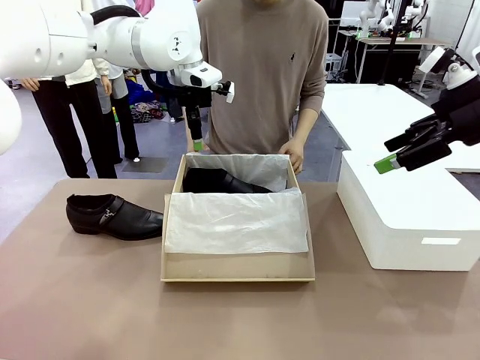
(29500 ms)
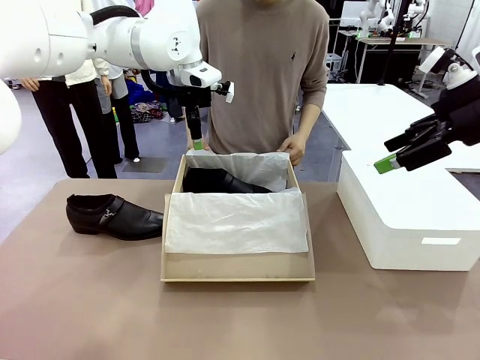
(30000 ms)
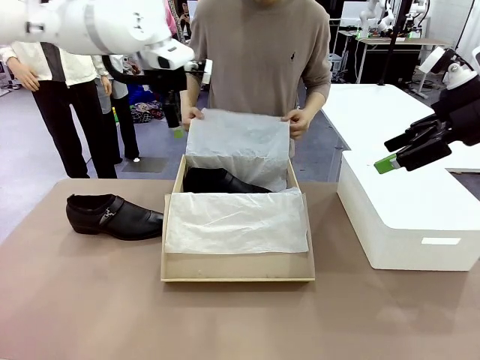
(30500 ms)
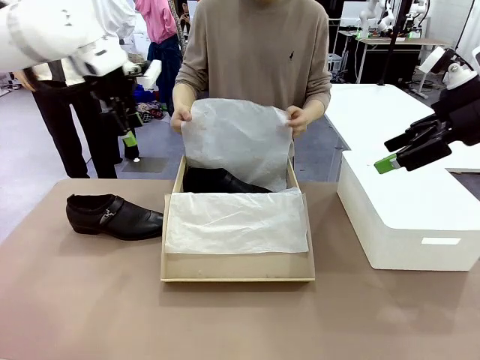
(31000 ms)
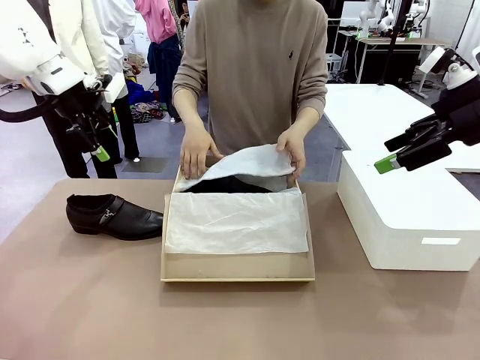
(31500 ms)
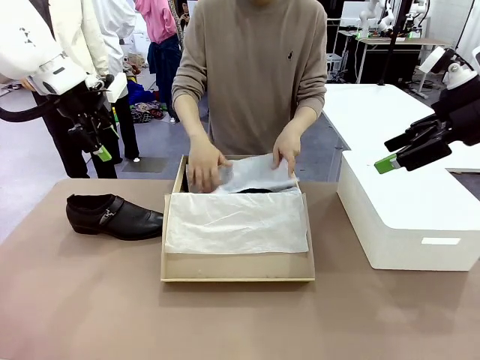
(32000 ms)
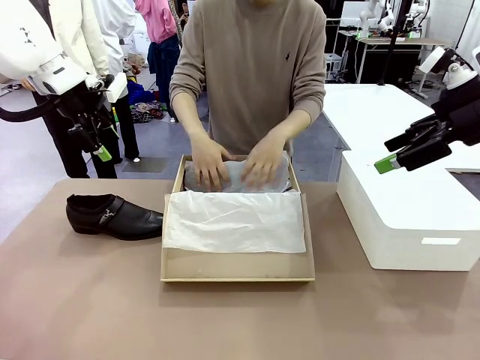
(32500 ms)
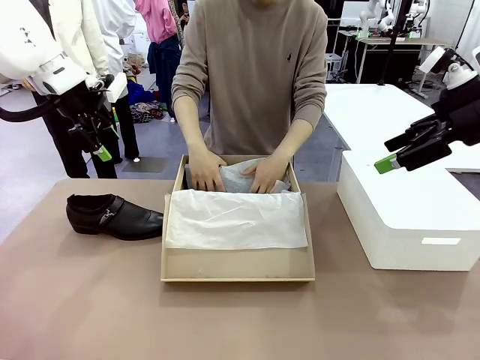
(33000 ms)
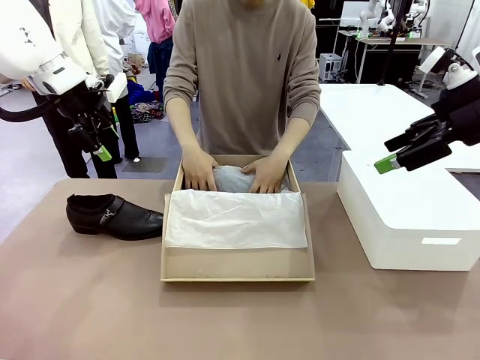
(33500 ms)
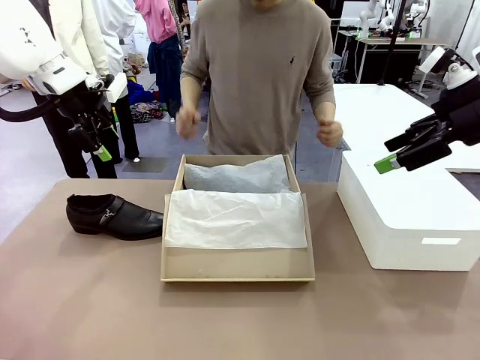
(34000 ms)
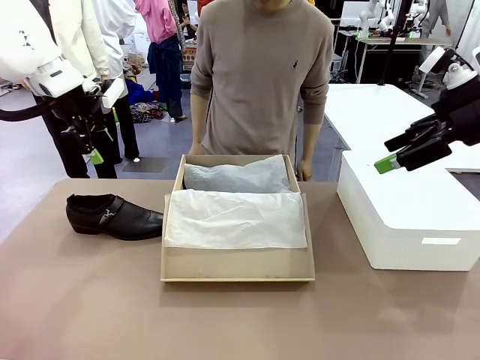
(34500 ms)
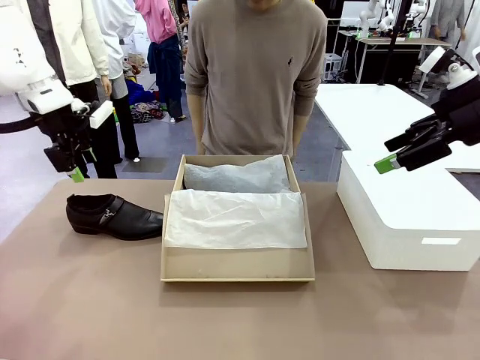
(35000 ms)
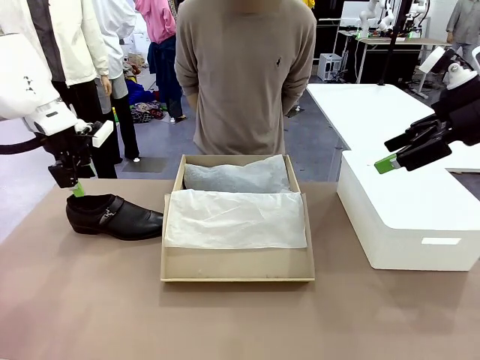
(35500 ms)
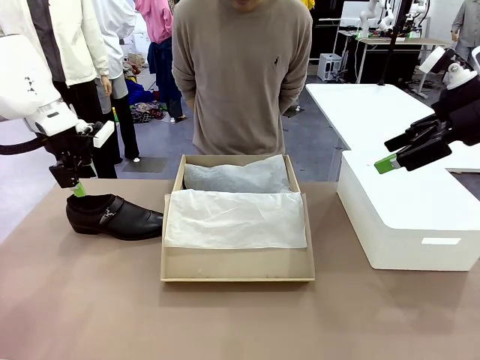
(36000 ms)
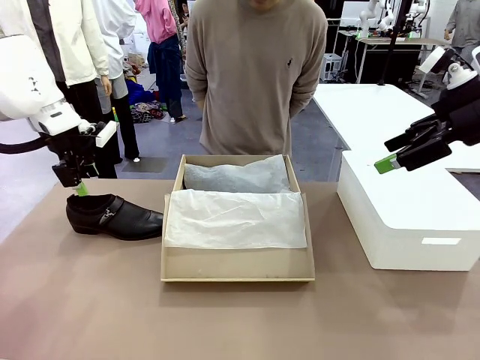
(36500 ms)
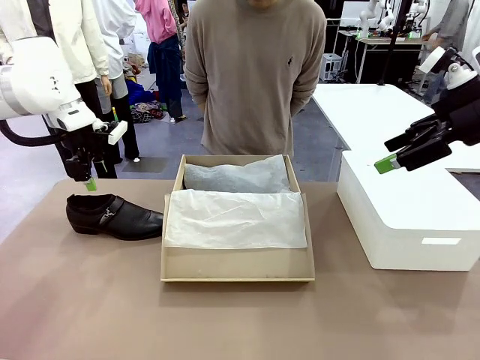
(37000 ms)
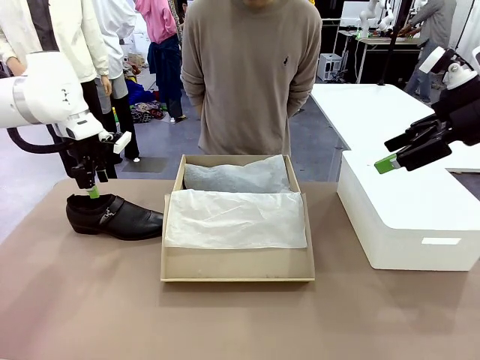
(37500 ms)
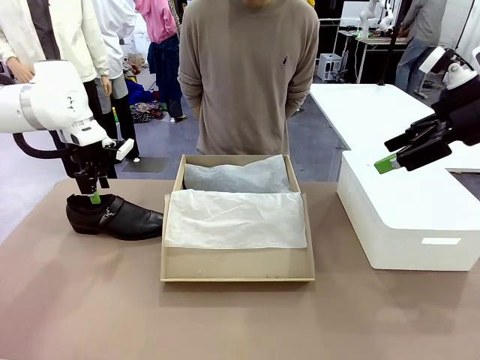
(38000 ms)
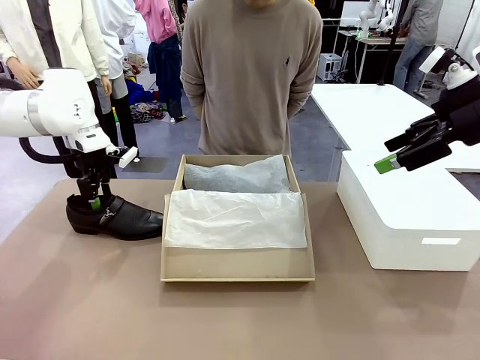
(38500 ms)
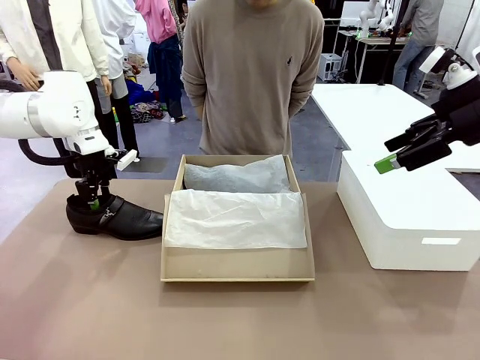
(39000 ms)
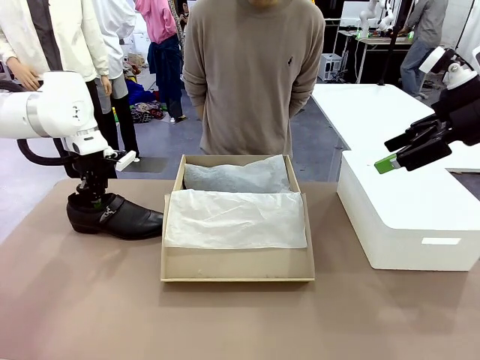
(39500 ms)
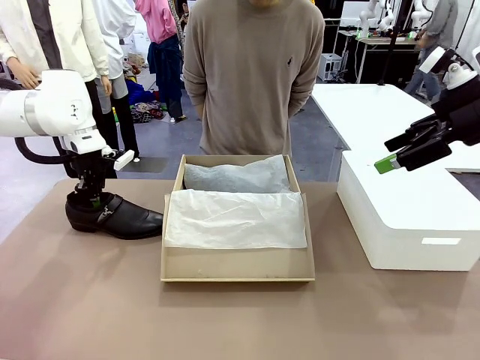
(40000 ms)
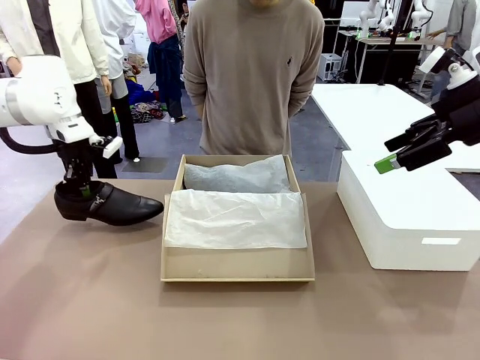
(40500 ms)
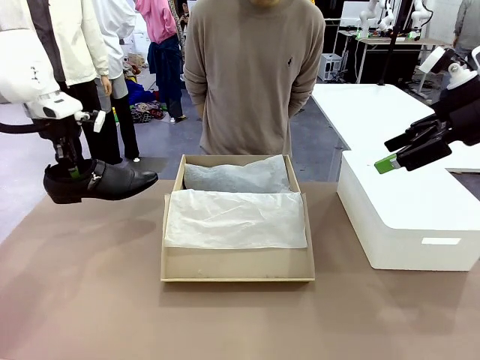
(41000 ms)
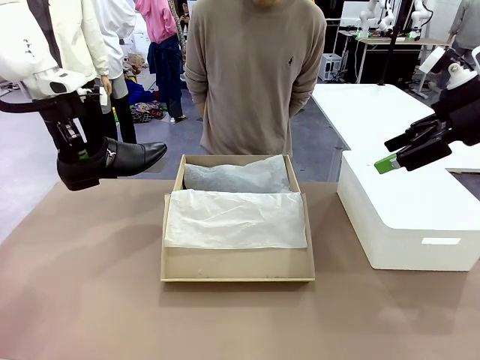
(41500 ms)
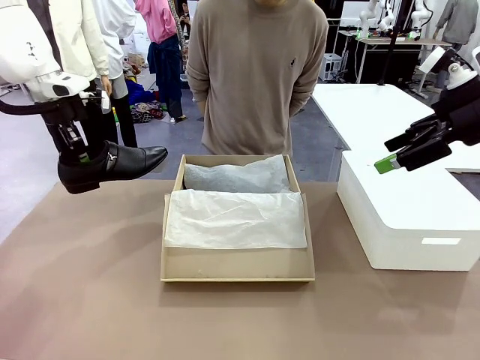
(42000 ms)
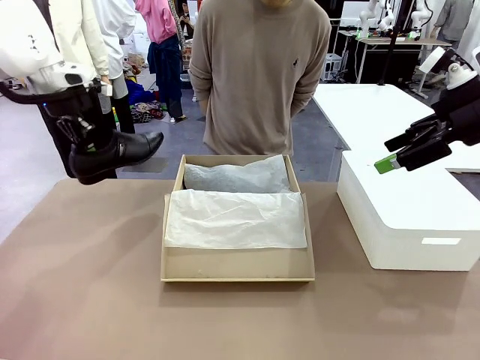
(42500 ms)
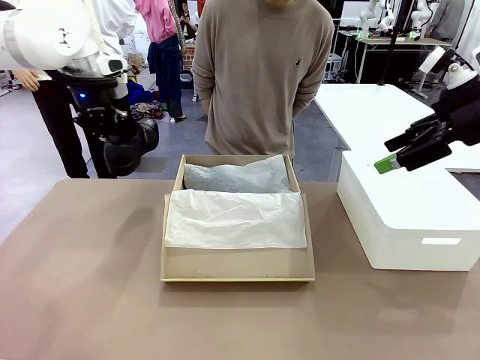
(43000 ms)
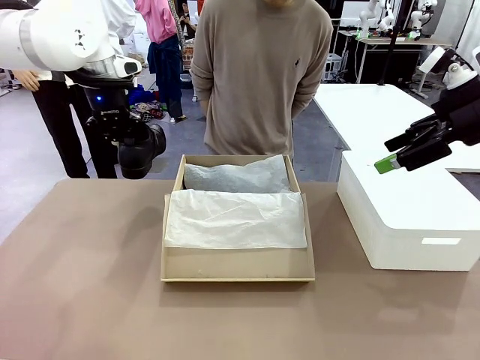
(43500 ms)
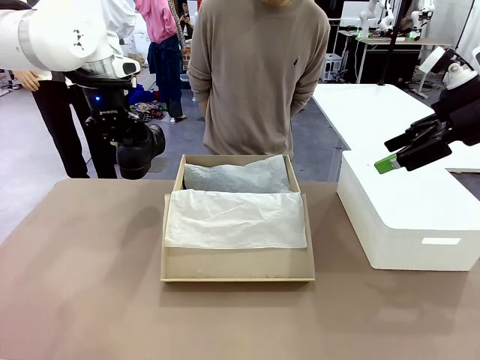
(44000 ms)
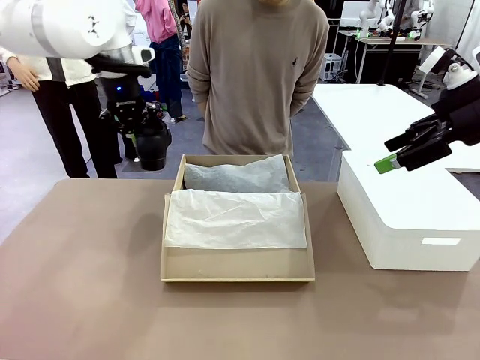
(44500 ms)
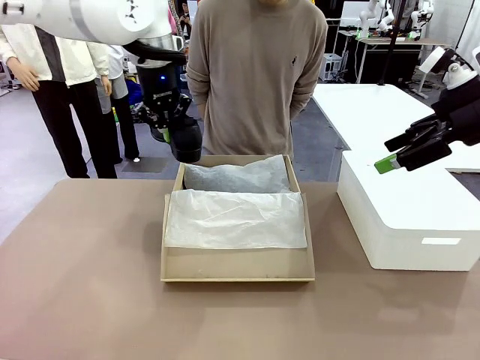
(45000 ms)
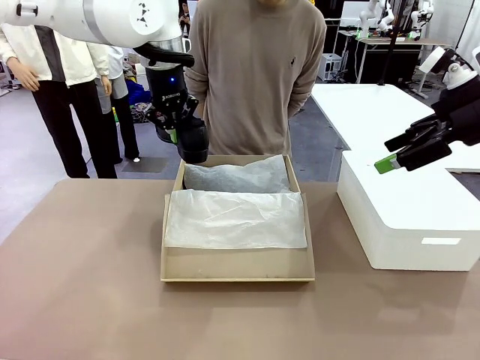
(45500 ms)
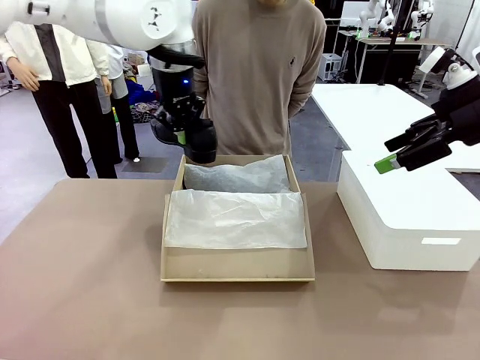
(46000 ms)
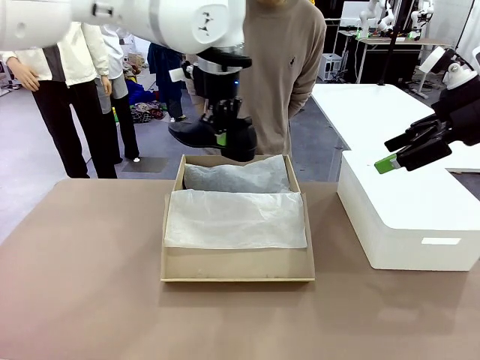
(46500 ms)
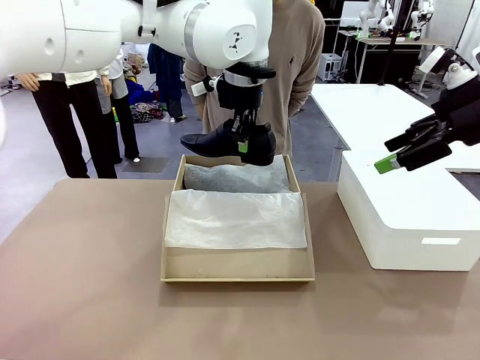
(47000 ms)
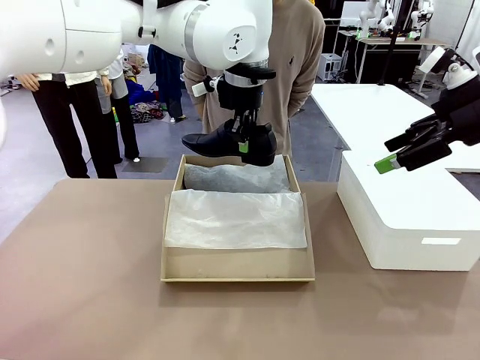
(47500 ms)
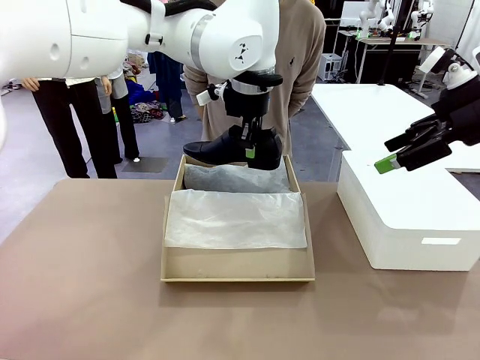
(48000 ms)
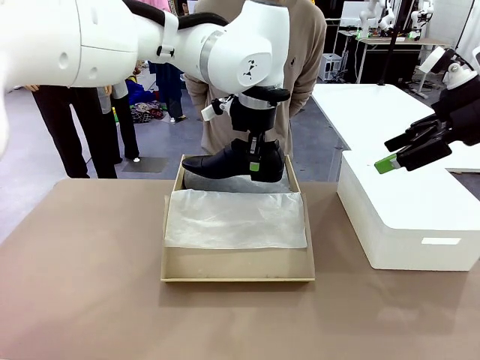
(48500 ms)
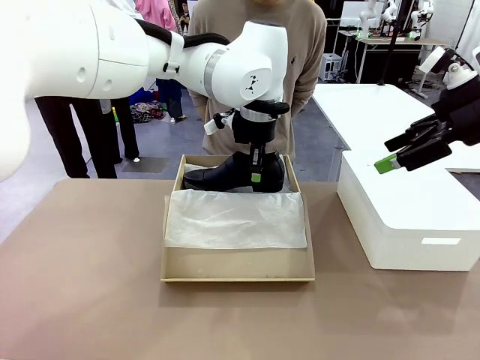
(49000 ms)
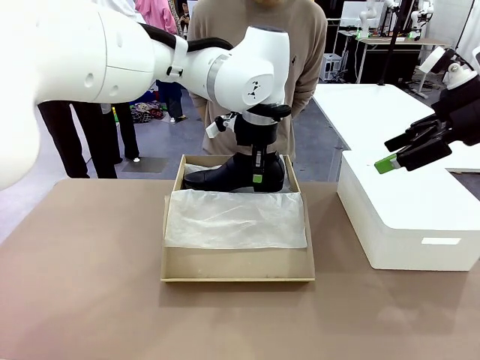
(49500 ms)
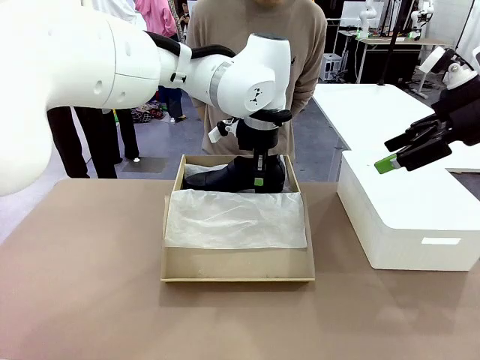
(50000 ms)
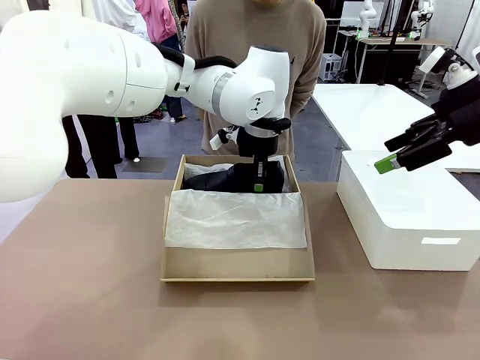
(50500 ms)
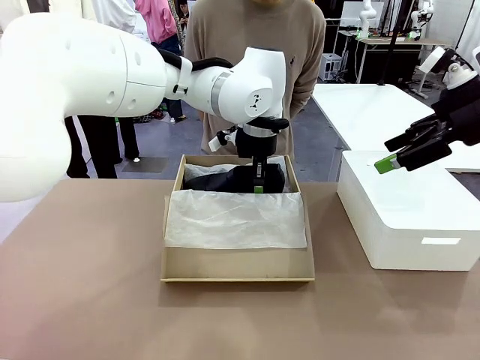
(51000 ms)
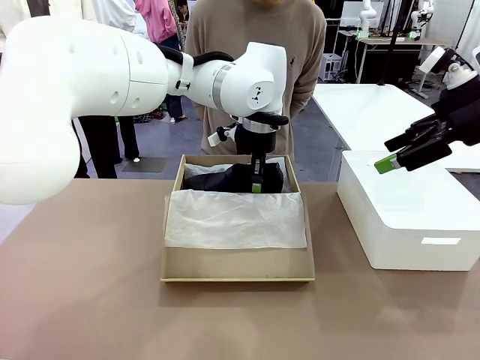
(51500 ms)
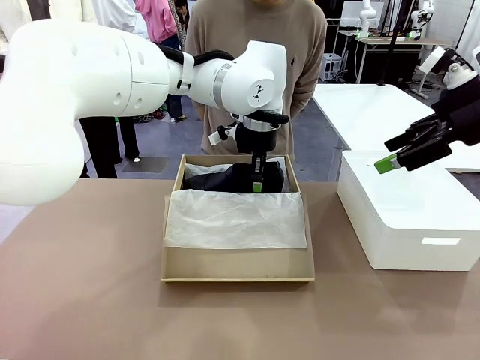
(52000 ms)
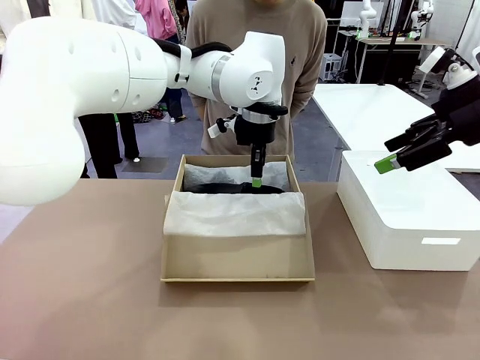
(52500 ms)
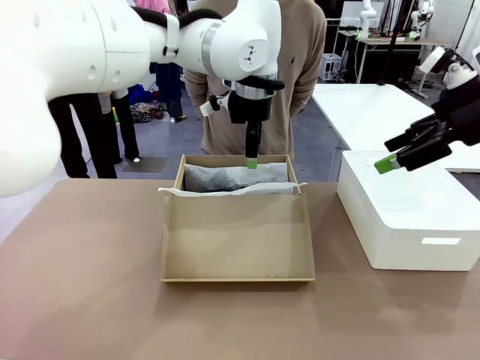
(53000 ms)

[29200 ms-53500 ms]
Task: Pack the shoes into the box.
Robot: Place the other shoe of the Shoes into the Shoes Box.

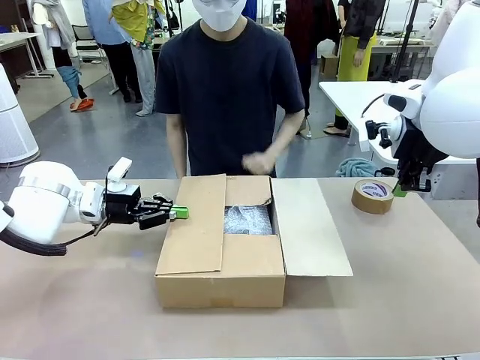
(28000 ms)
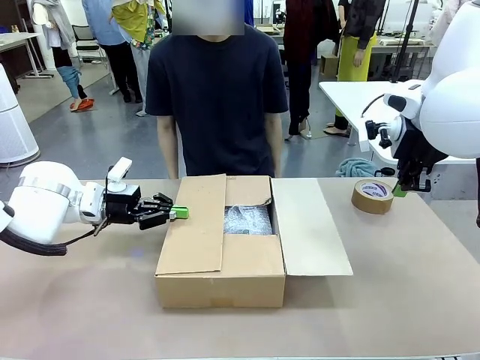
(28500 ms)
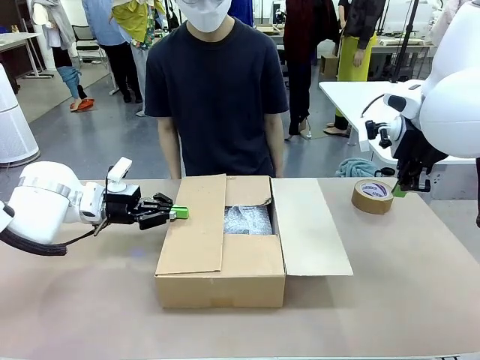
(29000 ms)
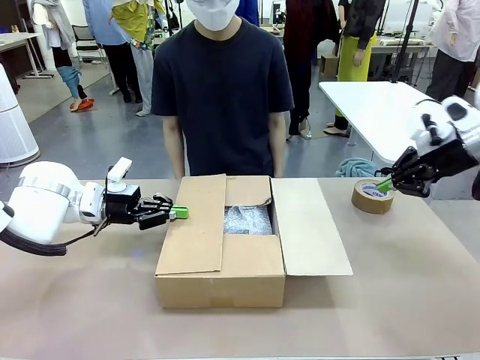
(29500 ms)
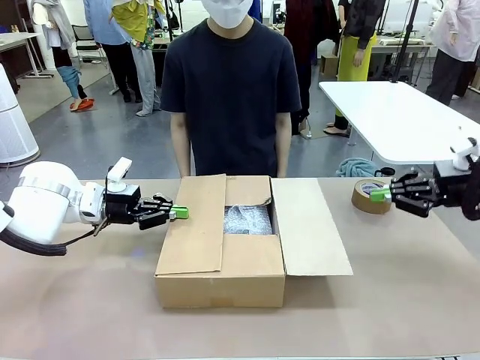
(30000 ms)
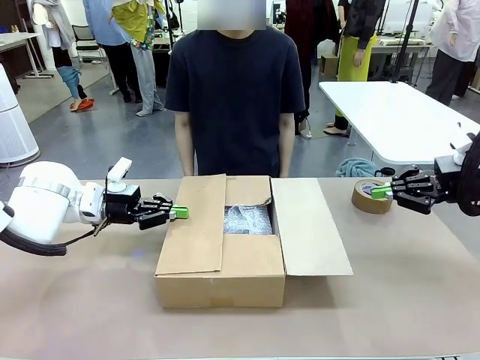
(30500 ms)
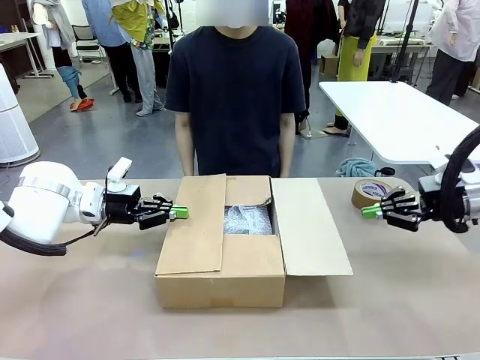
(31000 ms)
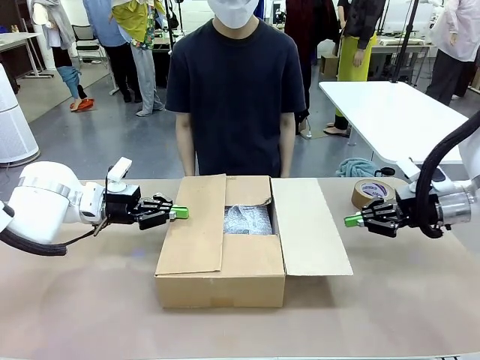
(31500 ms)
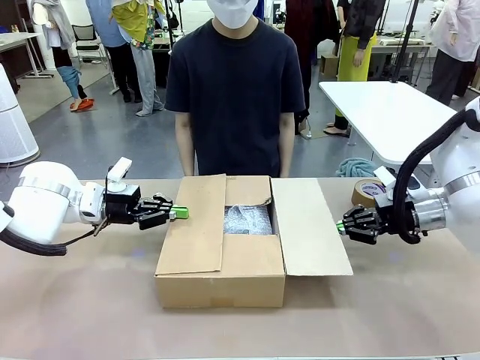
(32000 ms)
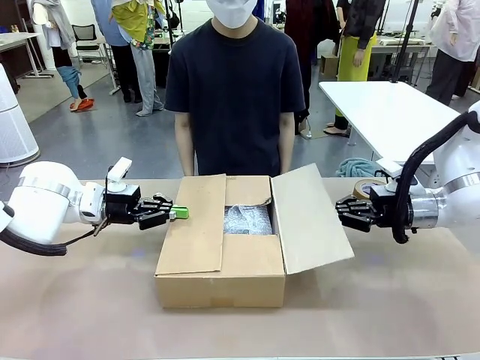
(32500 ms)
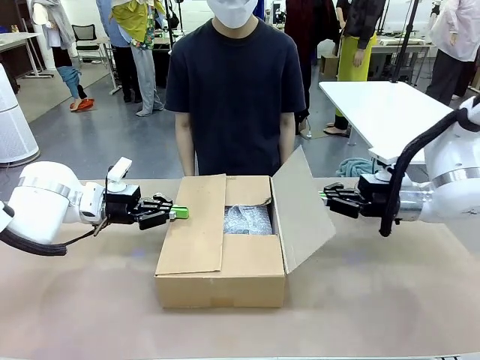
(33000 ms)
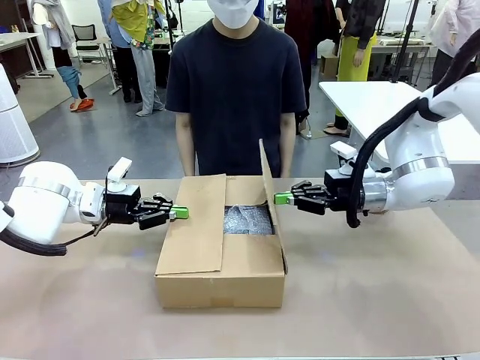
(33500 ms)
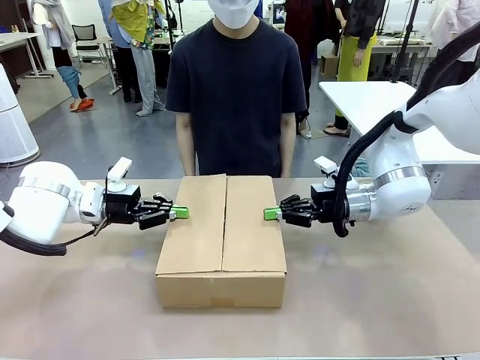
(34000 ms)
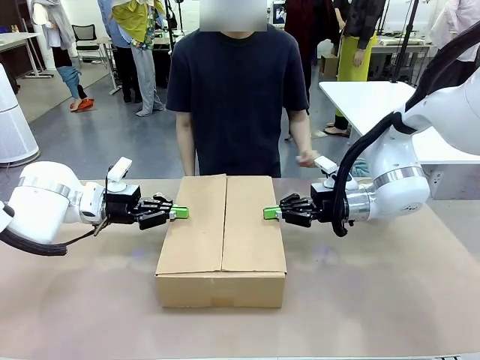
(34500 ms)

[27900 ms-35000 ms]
Task: Wrap the clocks to prevent damage.
Robot: Push the left (or right) flap of the Package Box to close it.
